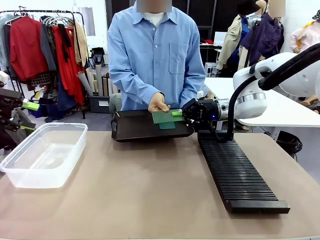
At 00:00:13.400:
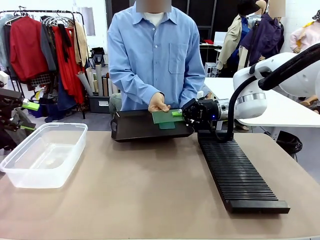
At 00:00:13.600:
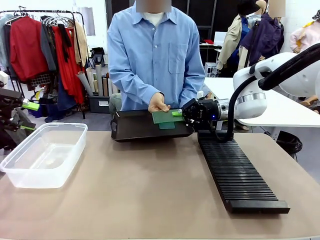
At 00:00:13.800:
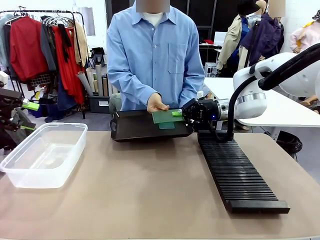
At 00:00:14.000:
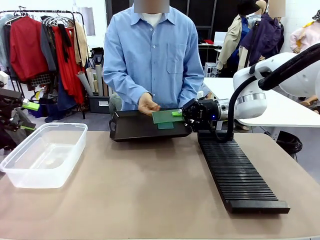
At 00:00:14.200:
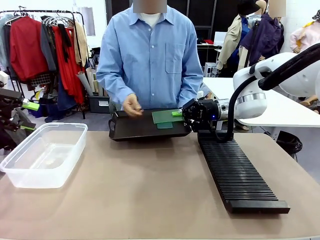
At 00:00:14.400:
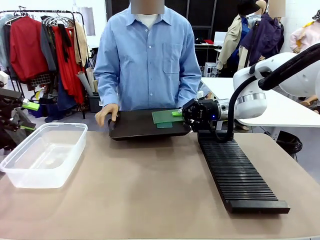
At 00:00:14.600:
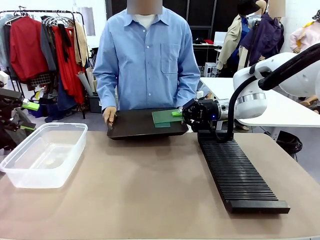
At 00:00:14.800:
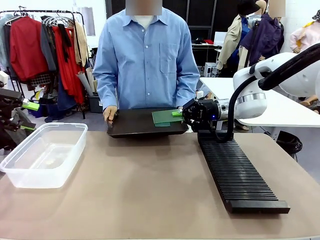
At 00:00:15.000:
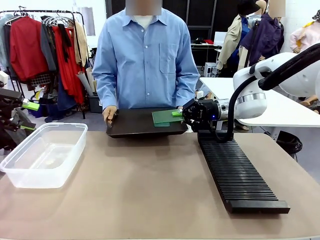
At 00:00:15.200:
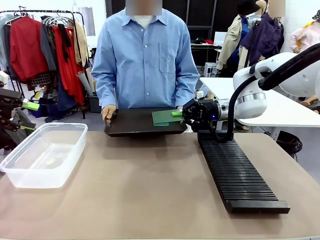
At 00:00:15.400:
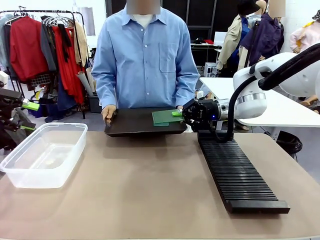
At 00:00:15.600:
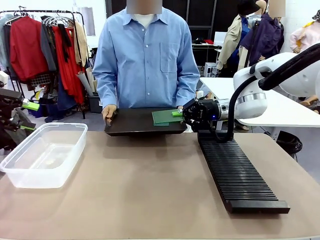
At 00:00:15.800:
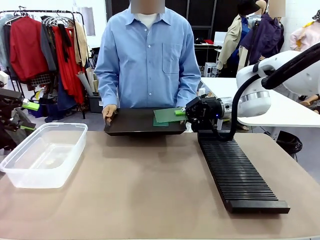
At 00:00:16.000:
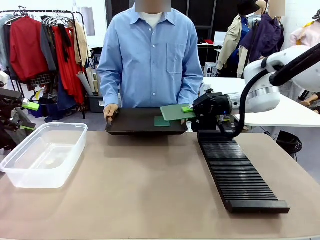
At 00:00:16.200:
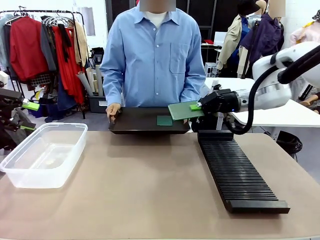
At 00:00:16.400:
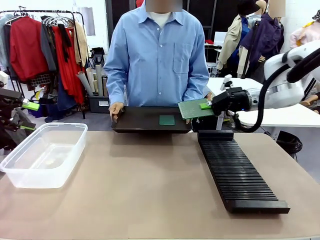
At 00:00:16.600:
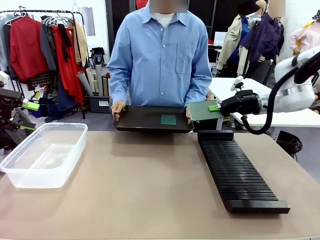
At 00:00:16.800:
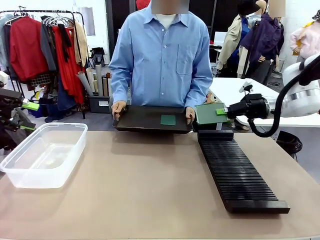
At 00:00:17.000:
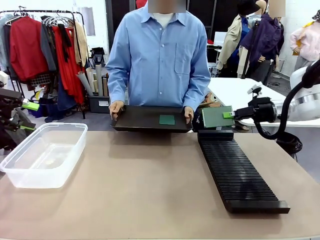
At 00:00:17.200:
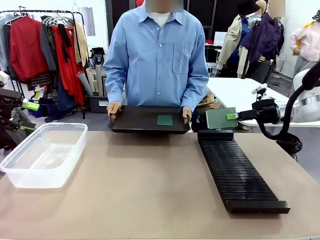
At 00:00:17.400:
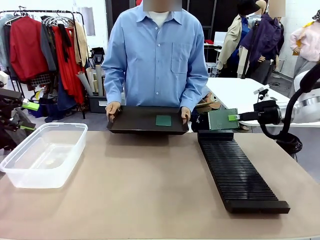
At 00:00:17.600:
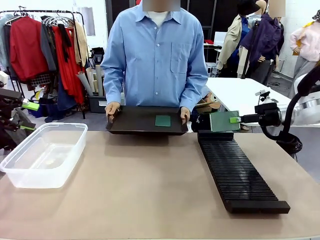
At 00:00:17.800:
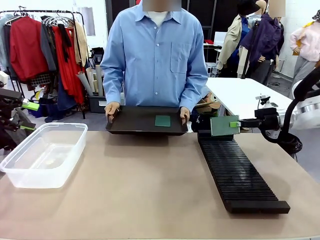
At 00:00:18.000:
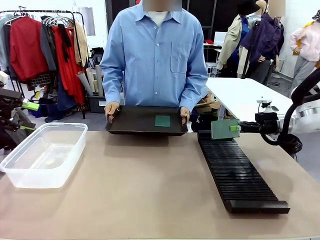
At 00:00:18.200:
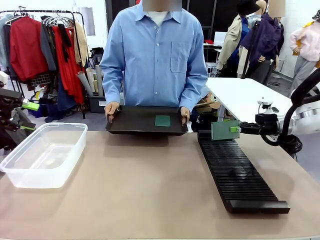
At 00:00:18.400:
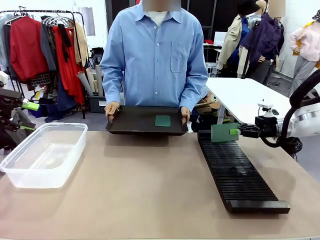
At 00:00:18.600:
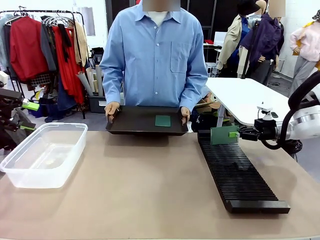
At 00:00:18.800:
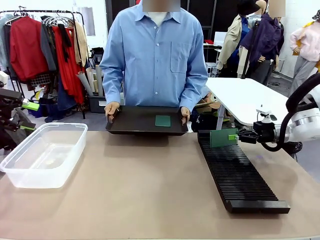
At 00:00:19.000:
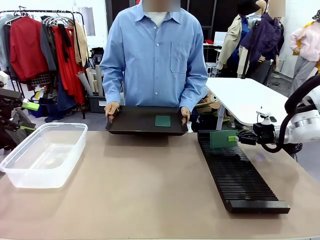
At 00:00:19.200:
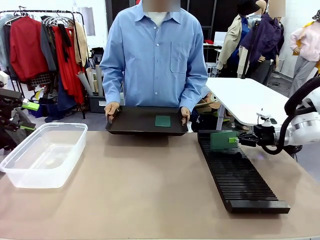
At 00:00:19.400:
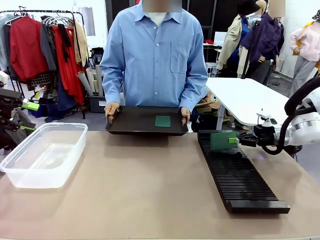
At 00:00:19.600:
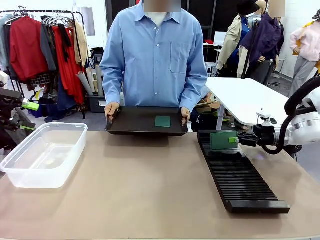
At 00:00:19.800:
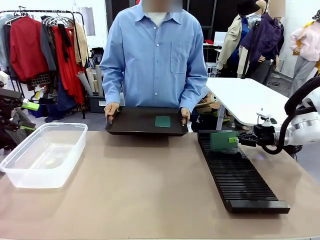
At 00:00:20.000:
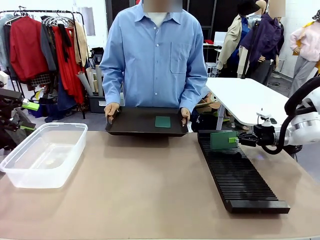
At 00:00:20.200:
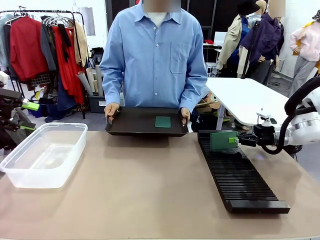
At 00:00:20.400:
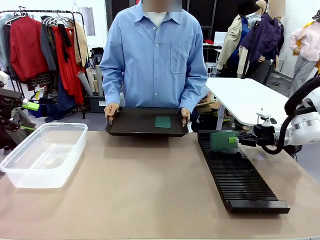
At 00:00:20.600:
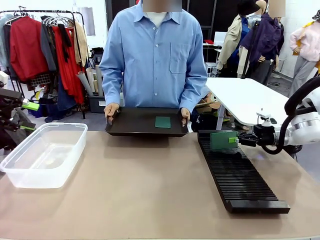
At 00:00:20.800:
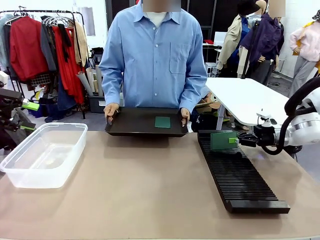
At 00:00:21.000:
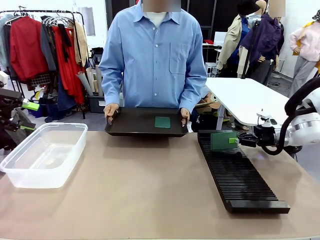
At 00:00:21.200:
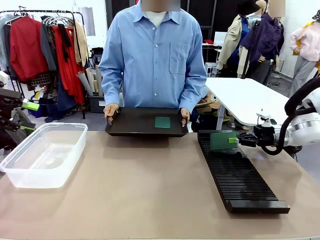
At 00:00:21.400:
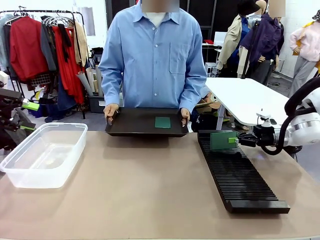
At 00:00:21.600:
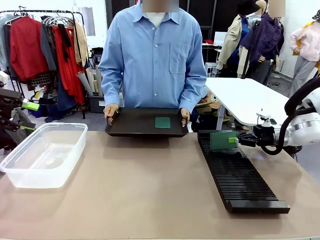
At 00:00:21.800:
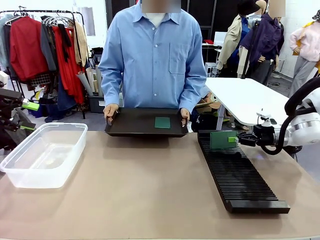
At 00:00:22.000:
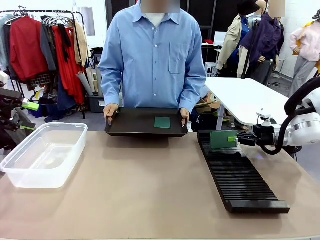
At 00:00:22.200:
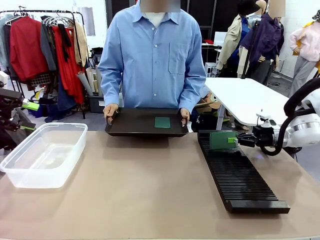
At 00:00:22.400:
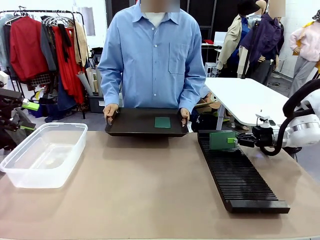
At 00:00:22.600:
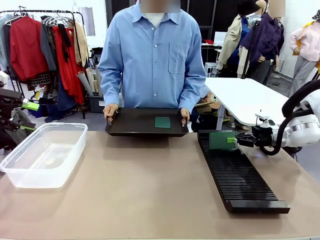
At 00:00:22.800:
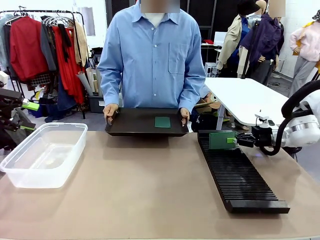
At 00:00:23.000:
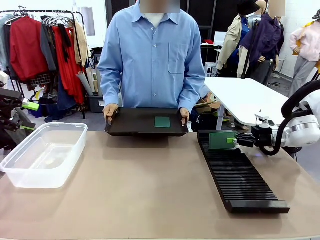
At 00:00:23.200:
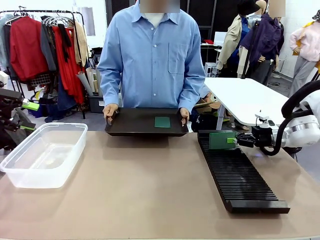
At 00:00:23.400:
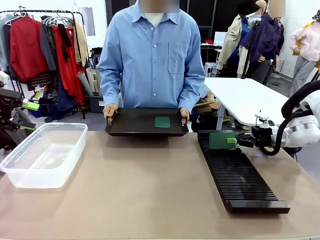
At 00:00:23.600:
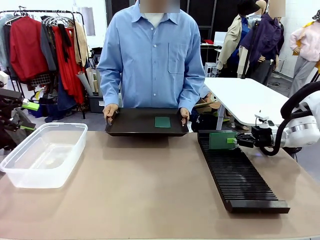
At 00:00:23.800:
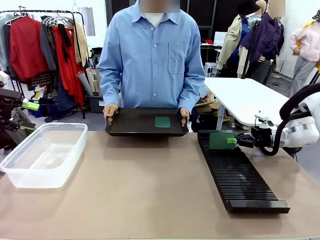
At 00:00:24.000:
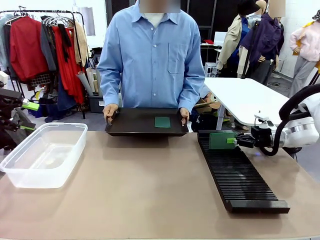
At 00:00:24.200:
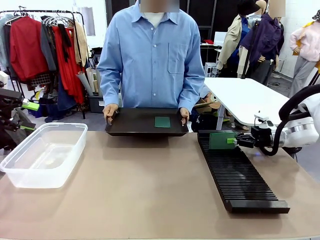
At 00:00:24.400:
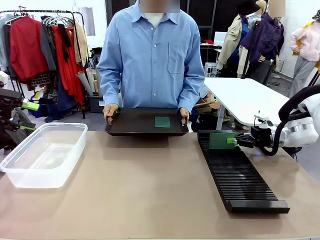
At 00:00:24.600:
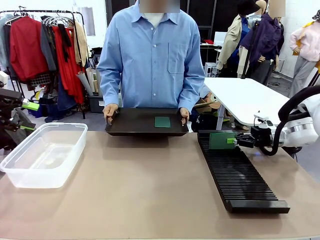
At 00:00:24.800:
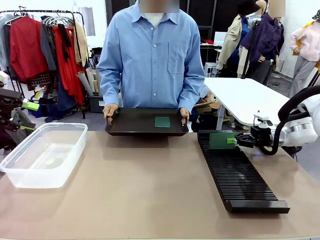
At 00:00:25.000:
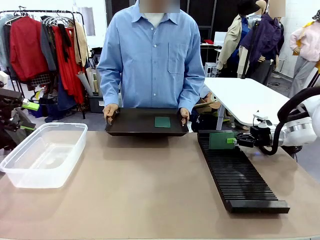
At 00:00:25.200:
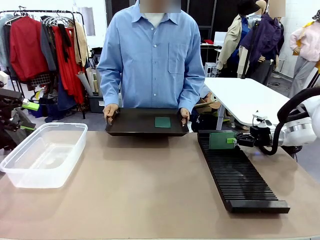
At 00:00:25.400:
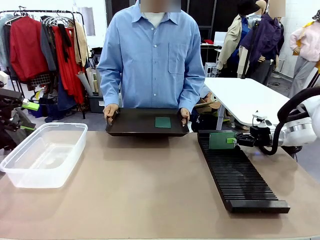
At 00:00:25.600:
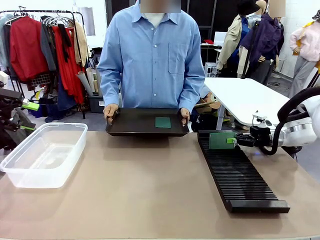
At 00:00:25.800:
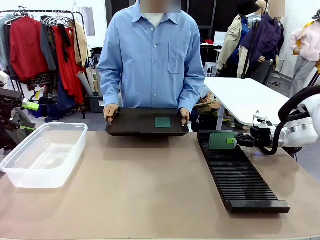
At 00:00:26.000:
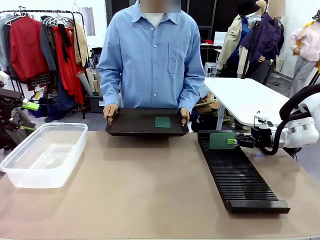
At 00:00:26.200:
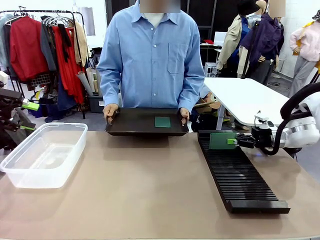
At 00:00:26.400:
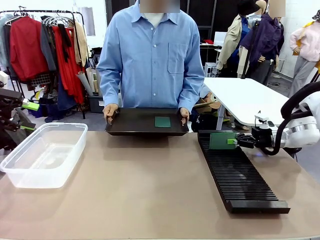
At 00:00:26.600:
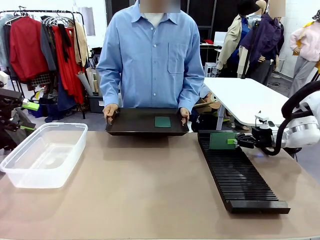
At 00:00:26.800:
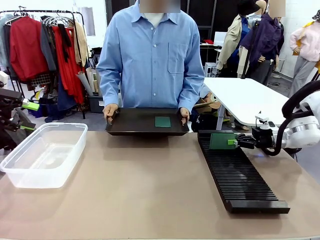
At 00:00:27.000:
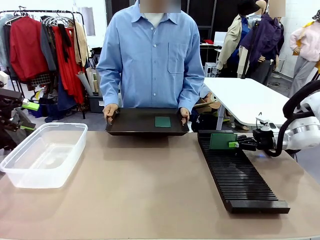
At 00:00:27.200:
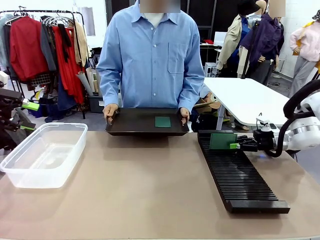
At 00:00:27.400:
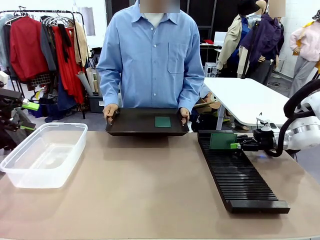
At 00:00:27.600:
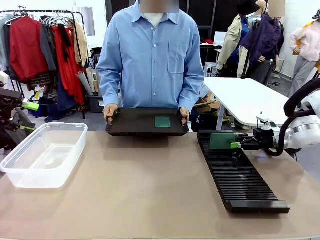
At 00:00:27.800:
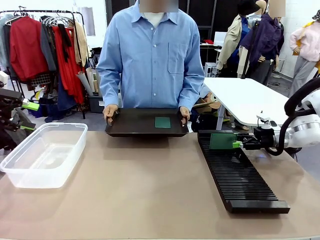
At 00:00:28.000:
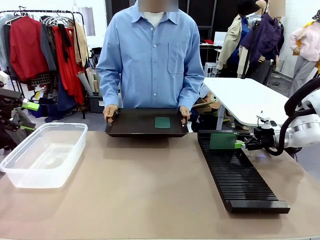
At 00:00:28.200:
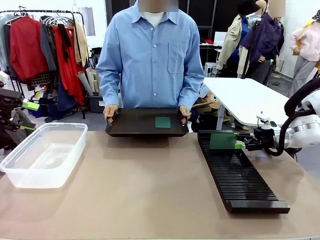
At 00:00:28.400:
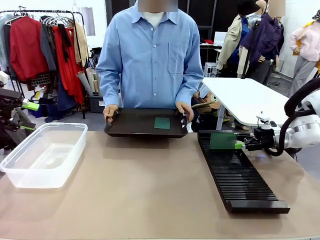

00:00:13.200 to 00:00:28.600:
Task: Sort PCBs into racks and boxes based on the side picked up.
Robot: If the short side of the Blank PCB is picked up, insert it into the PCB Rack ; if the long side is picked up, place it in the Organizing box.
Person: Pick one PCB from the tray and present it to the robot.
